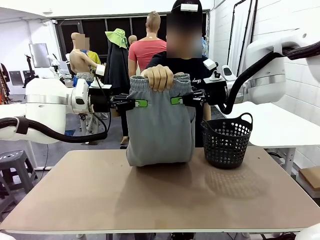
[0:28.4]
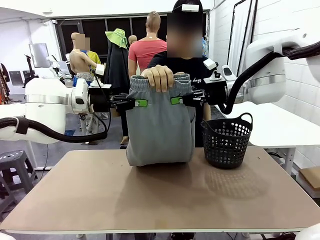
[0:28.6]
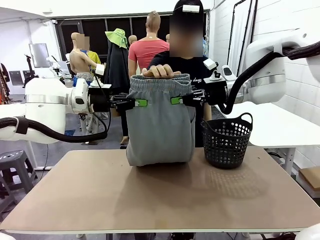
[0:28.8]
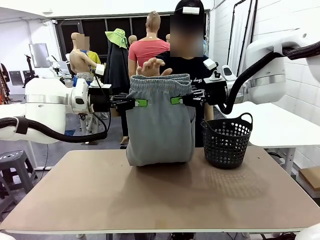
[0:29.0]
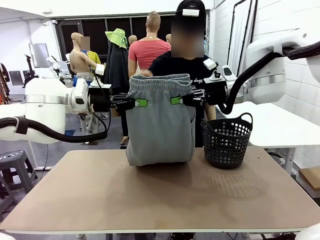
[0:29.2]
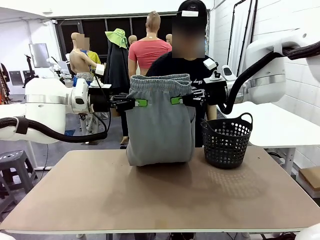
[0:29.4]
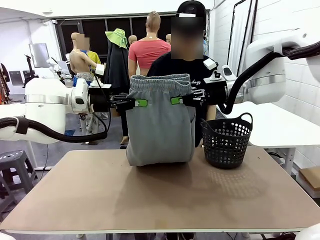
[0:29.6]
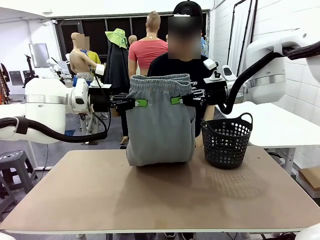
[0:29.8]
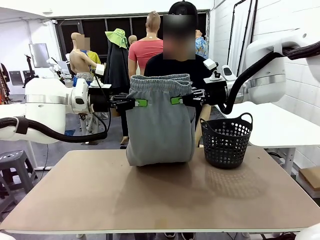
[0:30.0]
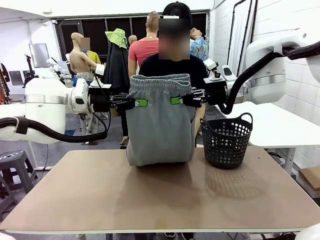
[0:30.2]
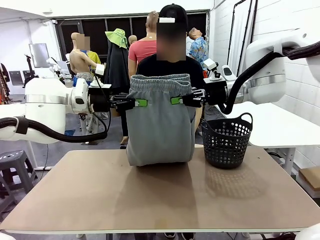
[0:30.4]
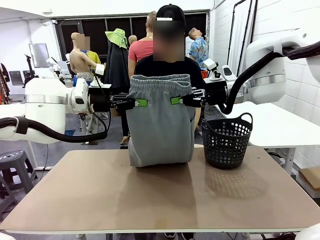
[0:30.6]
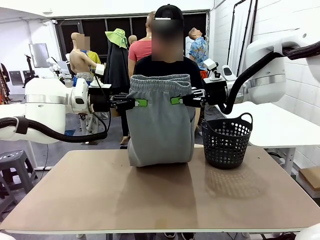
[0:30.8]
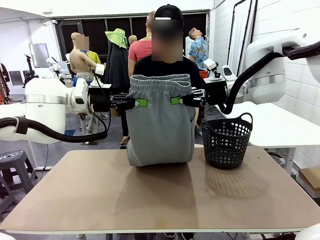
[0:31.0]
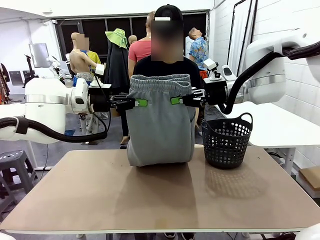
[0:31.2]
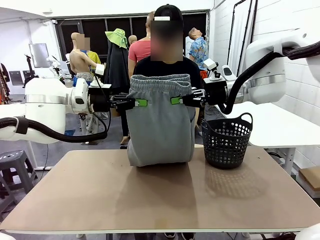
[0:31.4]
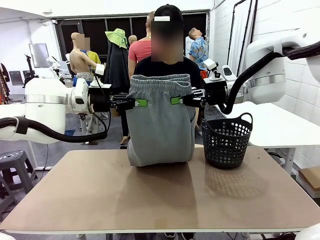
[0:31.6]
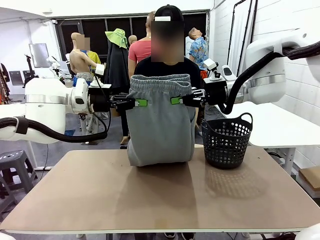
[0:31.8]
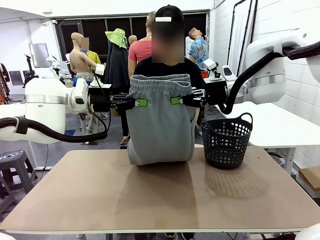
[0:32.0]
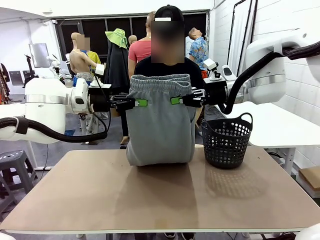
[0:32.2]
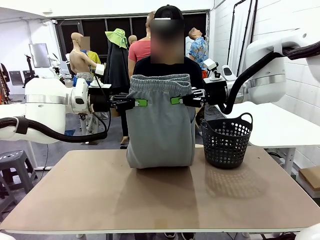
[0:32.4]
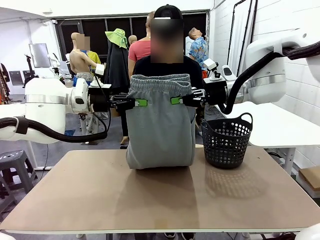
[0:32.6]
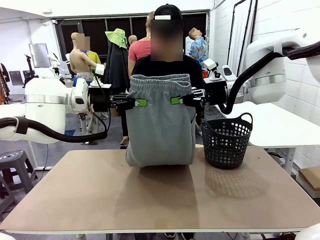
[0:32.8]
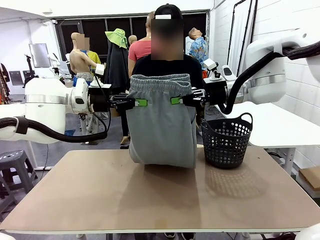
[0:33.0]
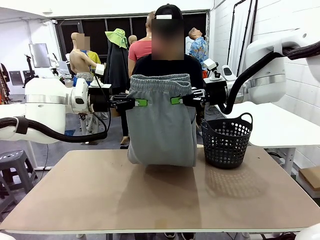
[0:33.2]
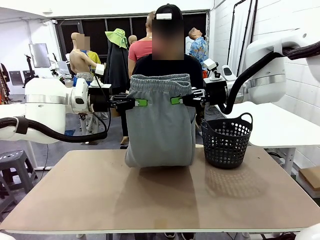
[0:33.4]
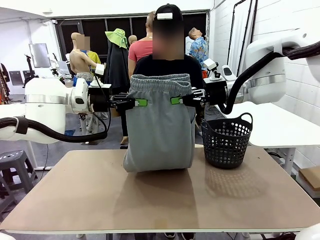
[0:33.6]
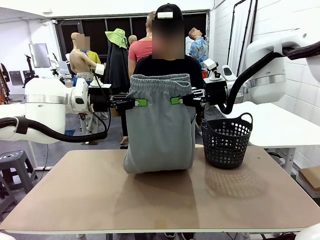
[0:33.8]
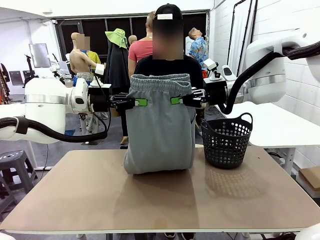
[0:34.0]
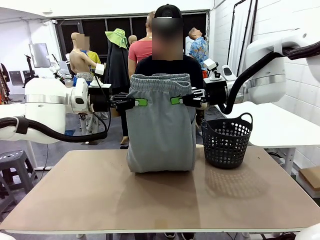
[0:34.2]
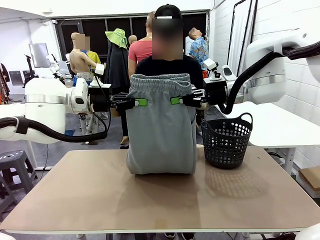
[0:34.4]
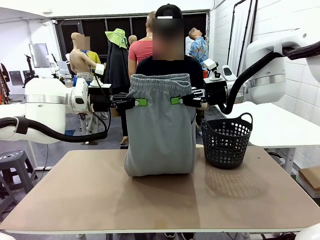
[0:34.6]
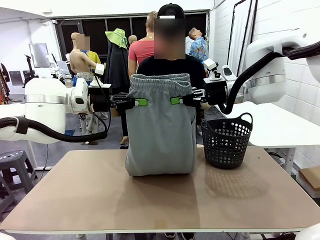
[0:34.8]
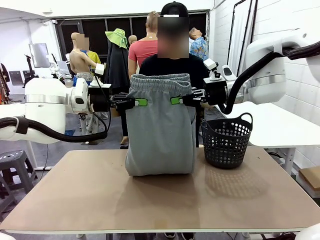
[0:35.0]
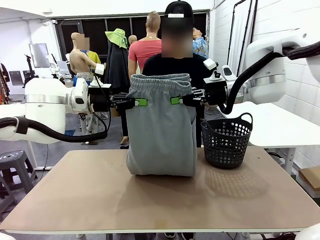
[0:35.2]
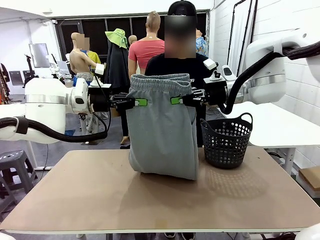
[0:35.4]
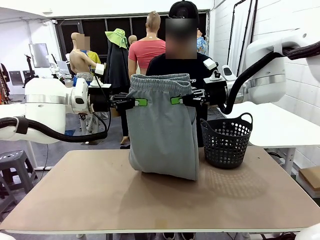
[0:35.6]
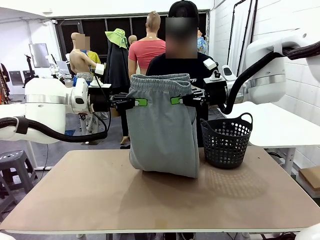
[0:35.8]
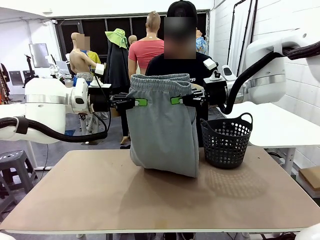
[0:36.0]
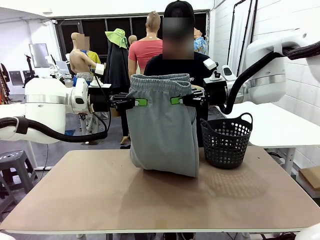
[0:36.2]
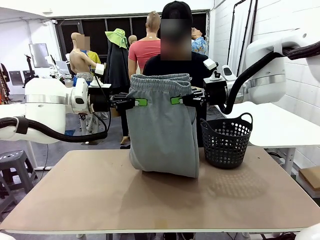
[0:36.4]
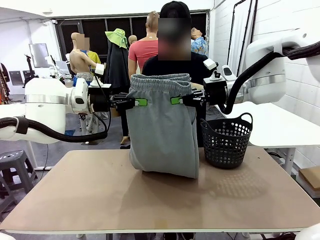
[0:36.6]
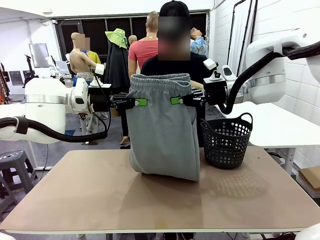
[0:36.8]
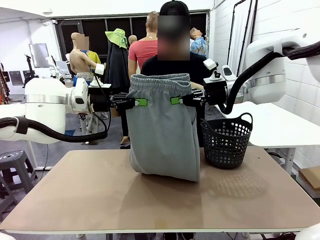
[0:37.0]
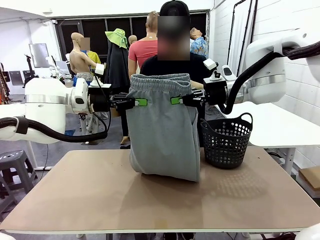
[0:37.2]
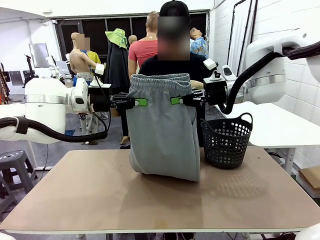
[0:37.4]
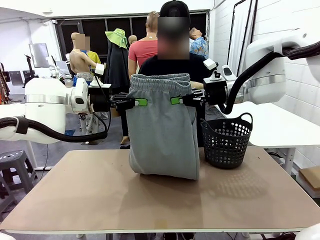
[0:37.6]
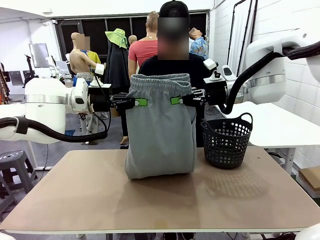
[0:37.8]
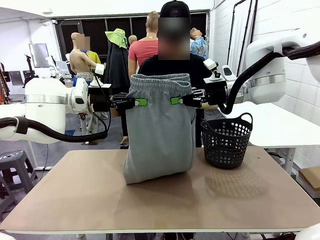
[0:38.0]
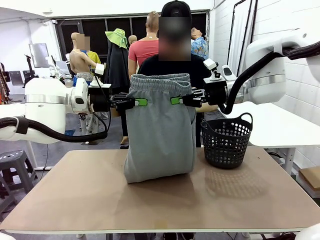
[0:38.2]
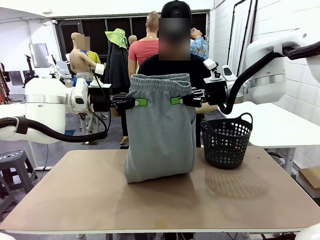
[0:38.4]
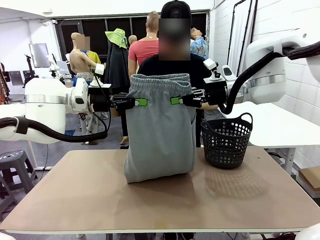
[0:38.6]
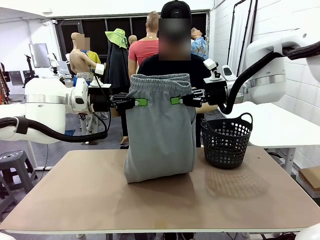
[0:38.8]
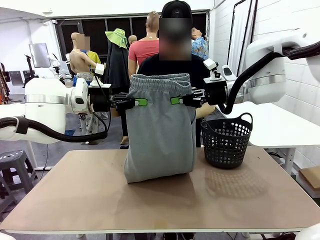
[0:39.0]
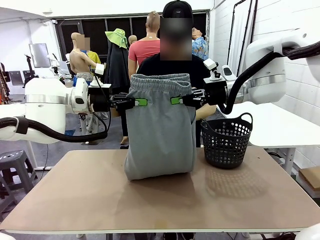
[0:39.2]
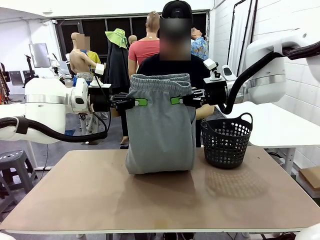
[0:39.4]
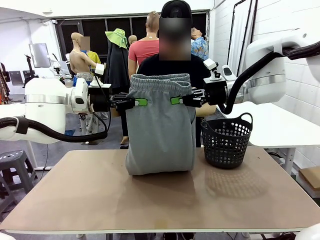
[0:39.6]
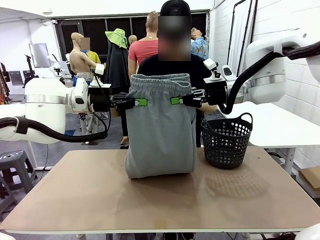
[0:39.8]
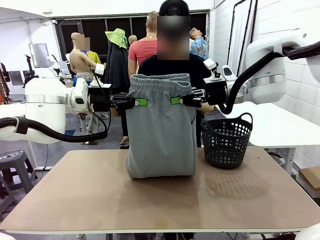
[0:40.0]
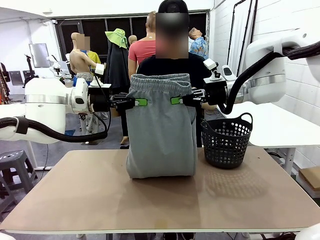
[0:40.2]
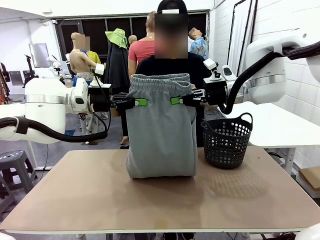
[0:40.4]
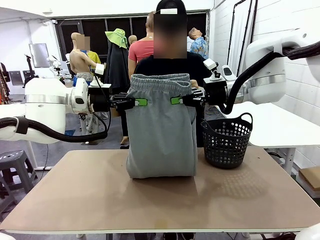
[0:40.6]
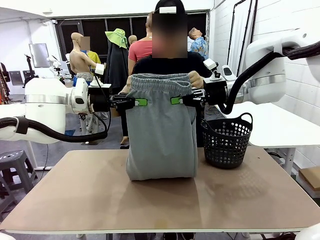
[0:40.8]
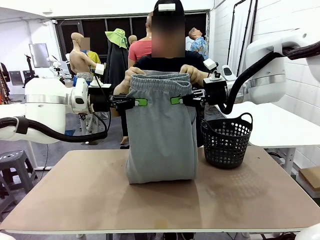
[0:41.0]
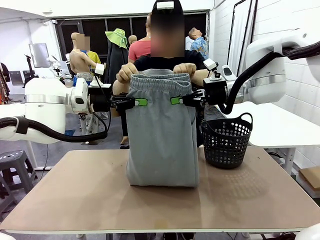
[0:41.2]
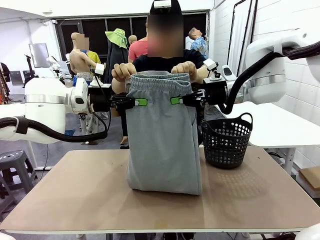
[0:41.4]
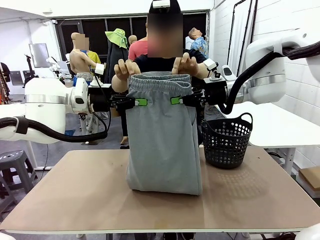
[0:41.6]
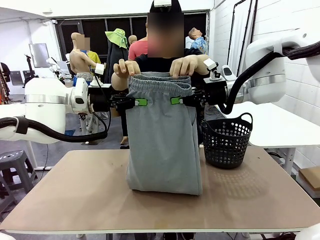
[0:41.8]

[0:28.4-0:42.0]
Task: Fold the training pants.
Robot: Release the ends of the Training pants and then grab the overlapped ends.
Person: Grasp the end opposite the point the robot is holding, fold the pants in half, and then grasp the overlapping top end of the folded pants.

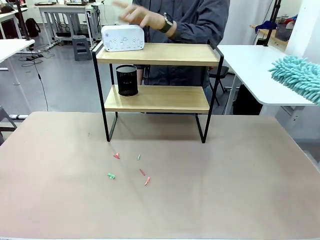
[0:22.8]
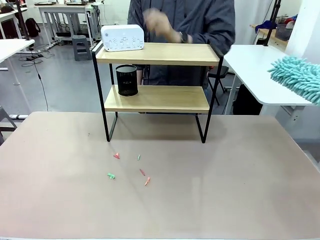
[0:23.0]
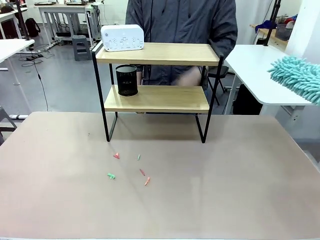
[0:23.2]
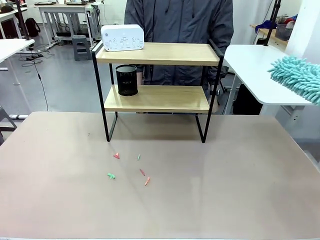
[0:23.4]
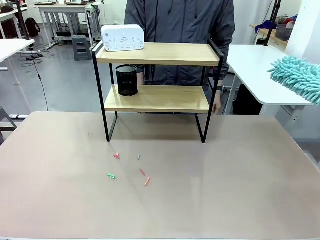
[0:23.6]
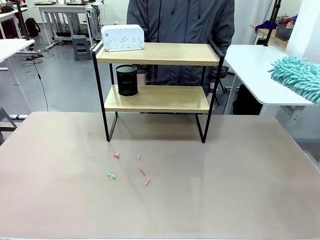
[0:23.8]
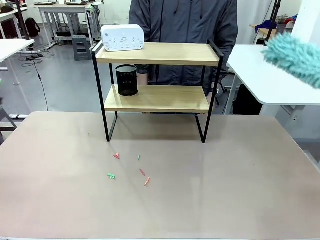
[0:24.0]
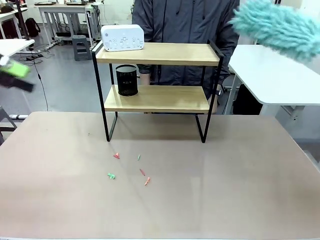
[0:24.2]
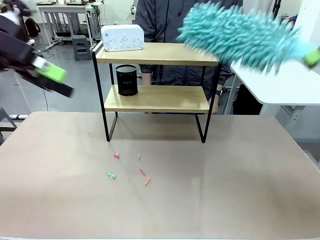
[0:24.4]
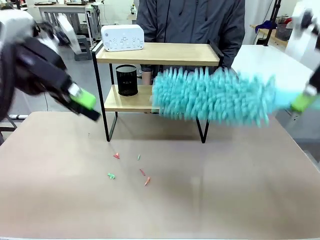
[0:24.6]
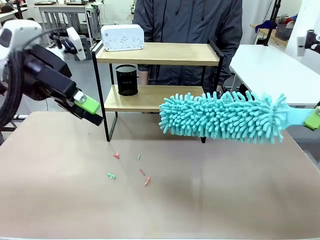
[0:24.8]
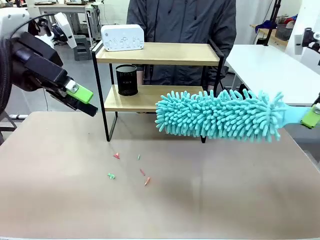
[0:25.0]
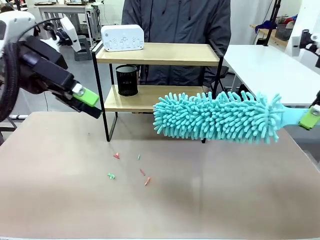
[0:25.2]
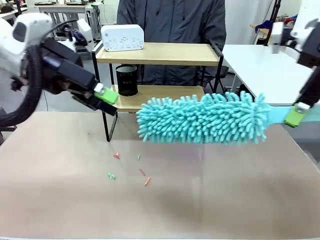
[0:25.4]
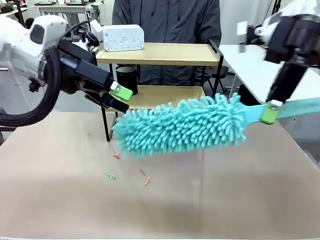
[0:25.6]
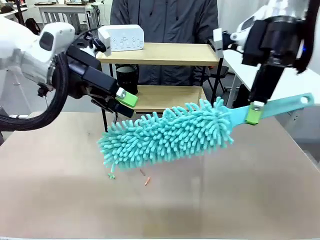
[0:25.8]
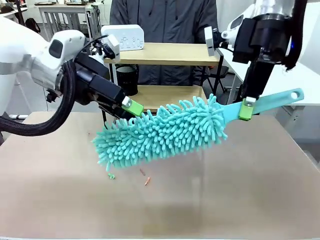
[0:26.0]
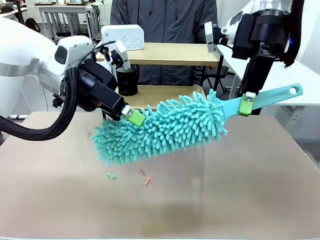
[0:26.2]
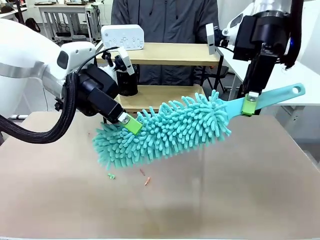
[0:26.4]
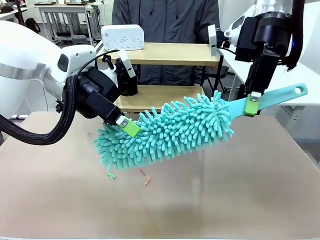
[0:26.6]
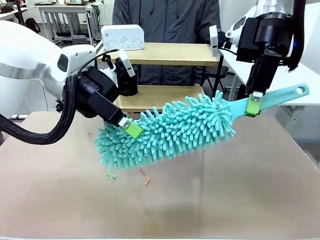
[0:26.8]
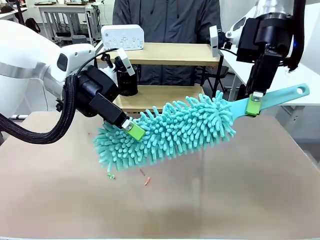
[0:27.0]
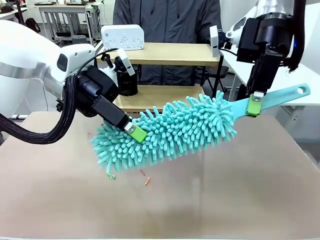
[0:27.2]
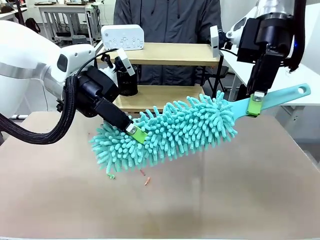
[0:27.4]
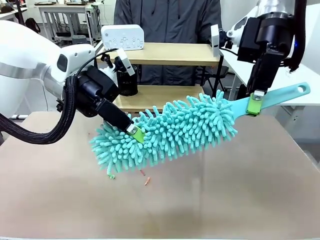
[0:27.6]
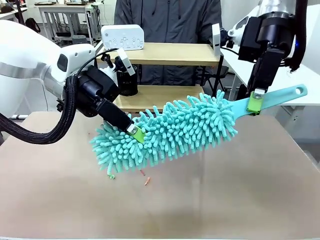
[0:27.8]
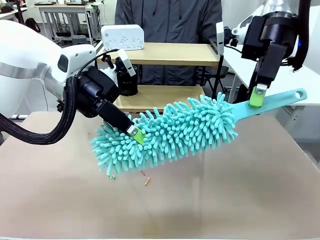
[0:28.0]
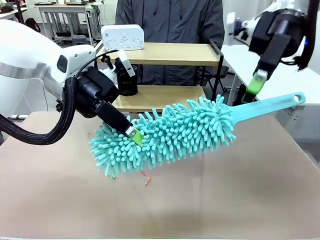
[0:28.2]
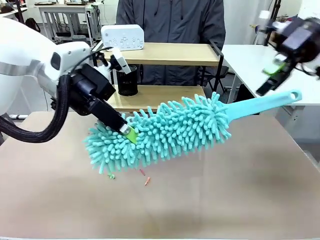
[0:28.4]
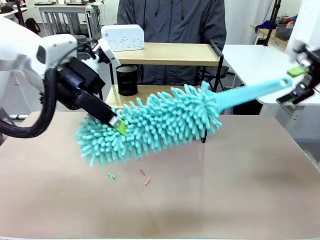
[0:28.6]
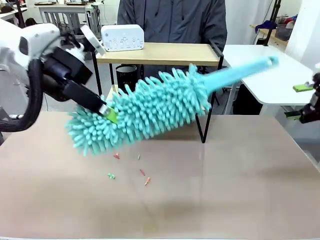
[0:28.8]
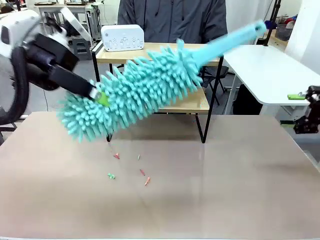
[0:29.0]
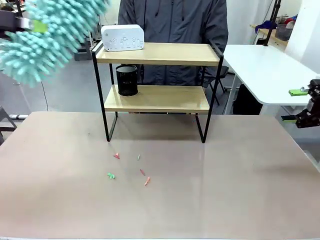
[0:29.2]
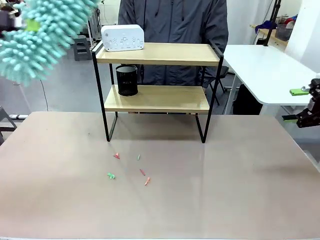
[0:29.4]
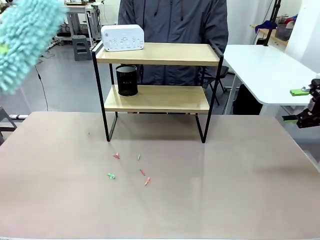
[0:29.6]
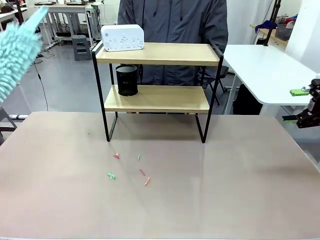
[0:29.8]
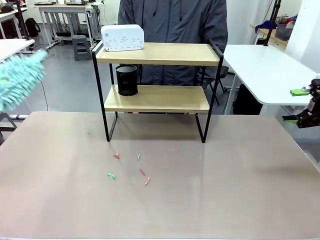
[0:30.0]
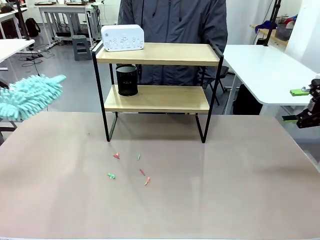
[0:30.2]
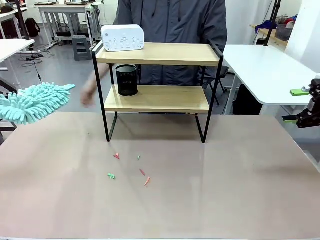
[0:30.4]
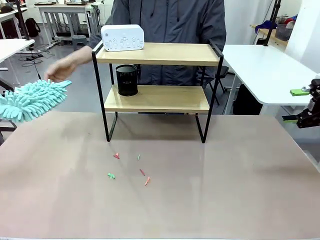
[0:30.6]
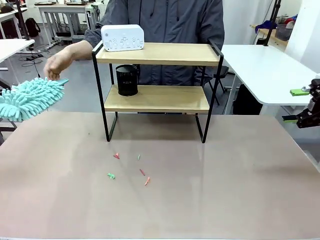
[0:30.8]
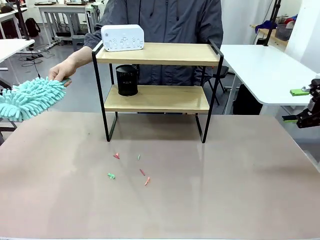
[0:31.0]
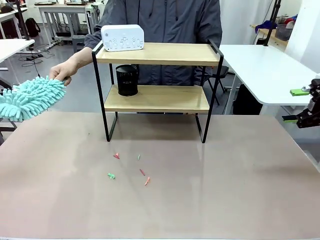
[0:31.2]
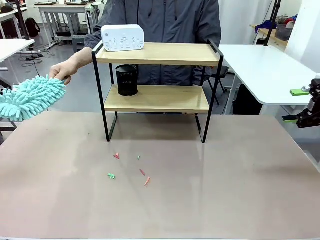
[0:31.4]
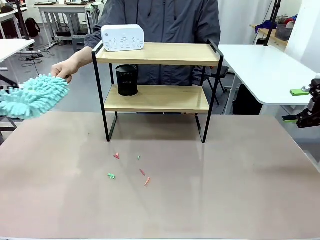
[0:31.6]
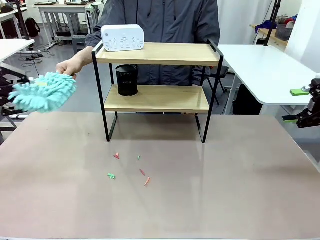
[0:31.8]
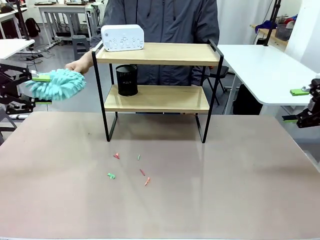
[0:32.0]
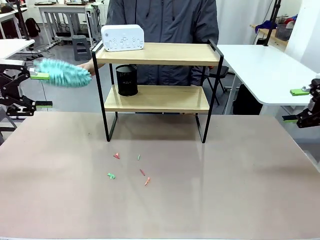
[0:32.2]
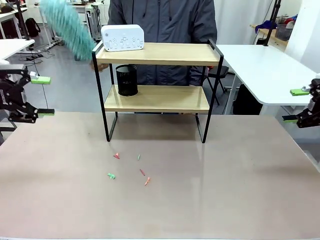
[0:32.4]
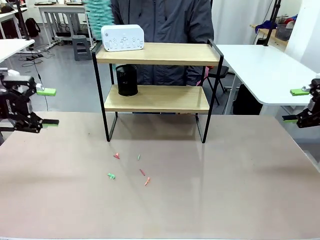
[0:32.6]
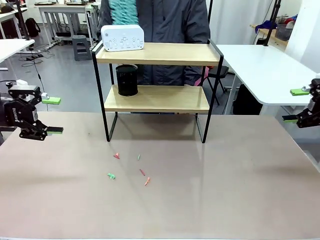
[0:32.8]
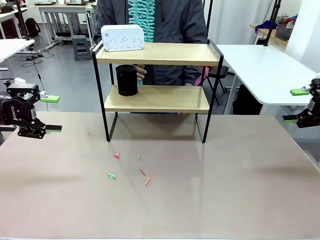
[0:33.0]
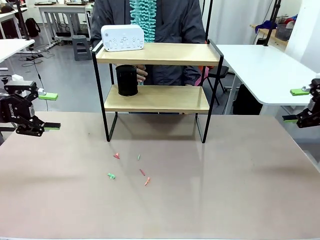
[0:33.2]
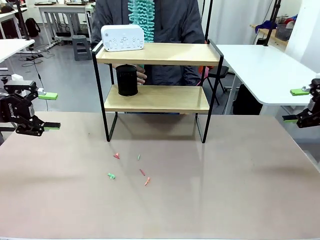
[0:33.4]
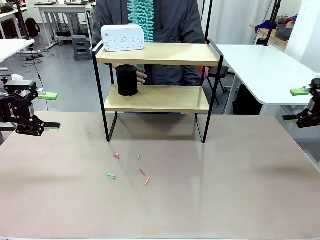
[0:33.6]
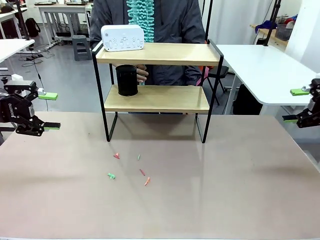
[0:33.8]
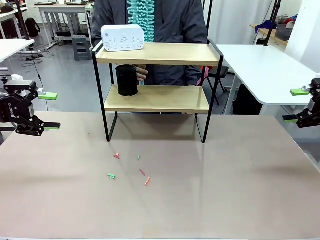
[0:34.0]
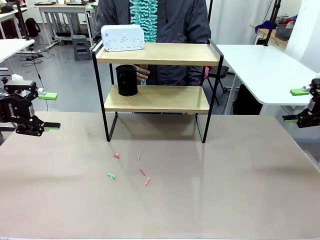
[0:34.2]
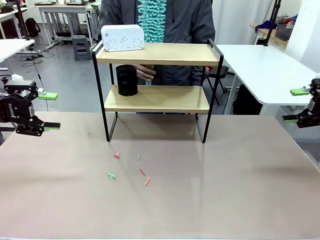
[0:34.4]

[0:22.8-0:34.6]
Task: Clean the shelf.
Robot: Hand the Duster back to the human.
Person: Receive the Duster from the robot.
